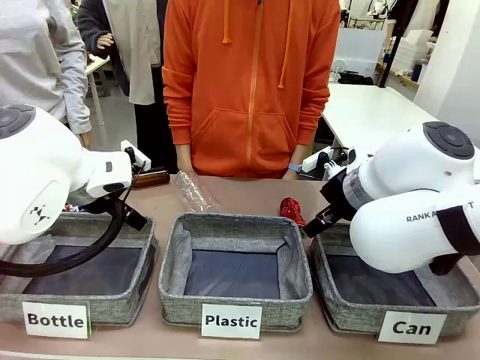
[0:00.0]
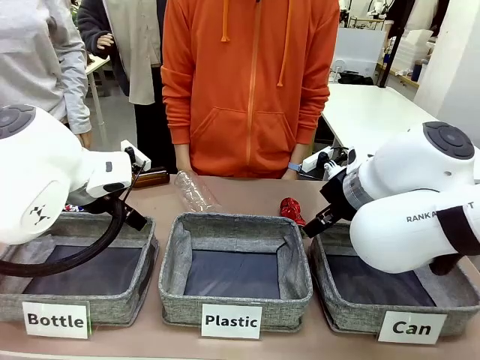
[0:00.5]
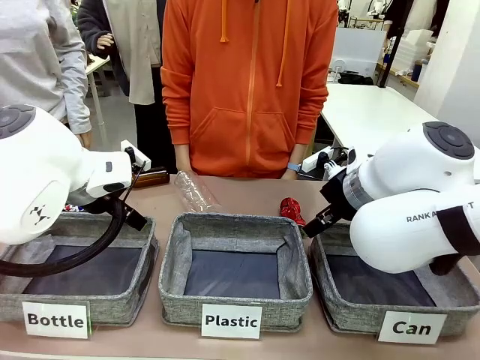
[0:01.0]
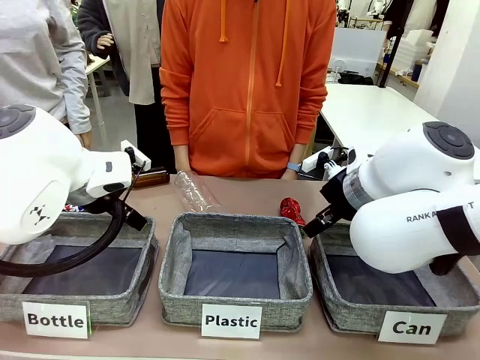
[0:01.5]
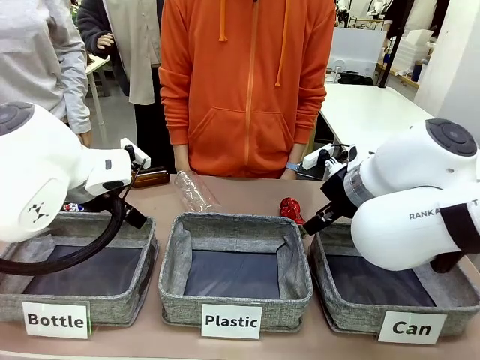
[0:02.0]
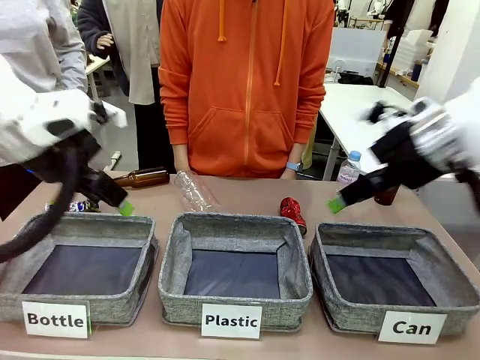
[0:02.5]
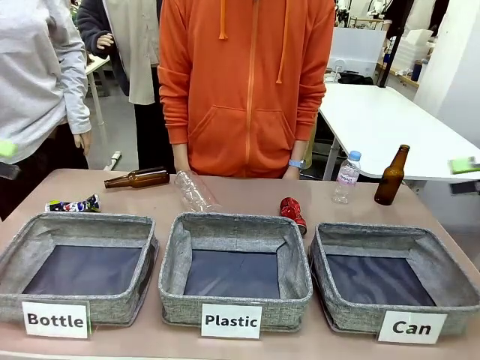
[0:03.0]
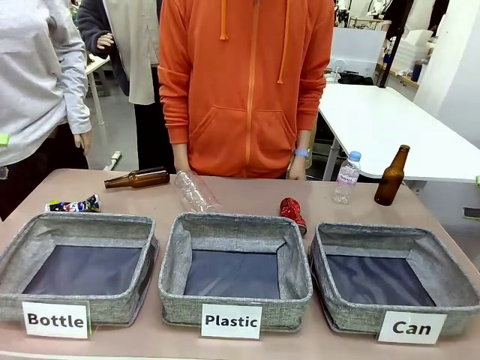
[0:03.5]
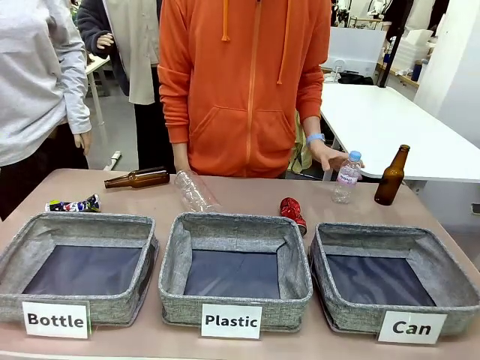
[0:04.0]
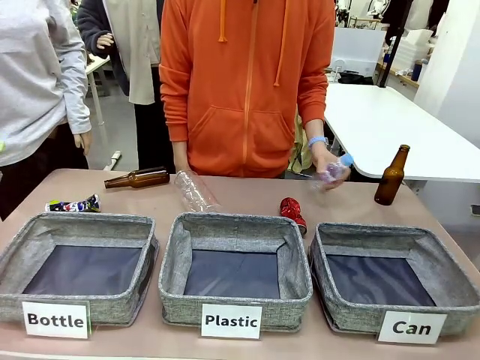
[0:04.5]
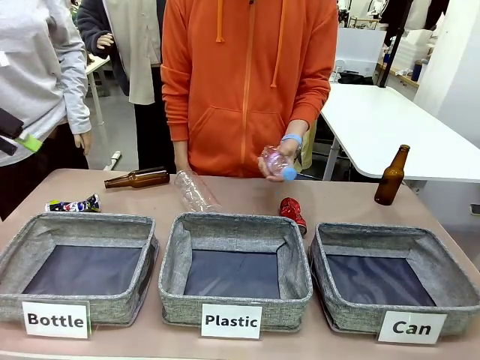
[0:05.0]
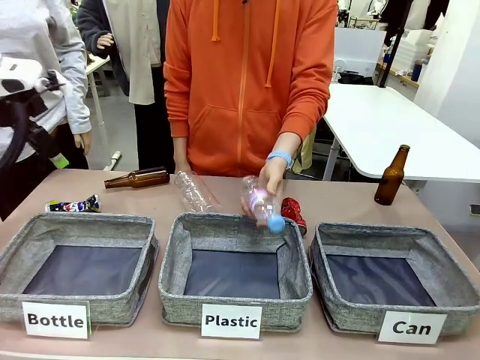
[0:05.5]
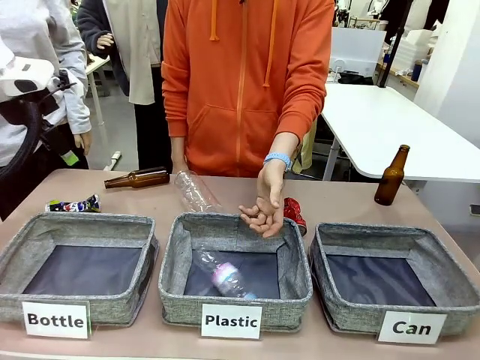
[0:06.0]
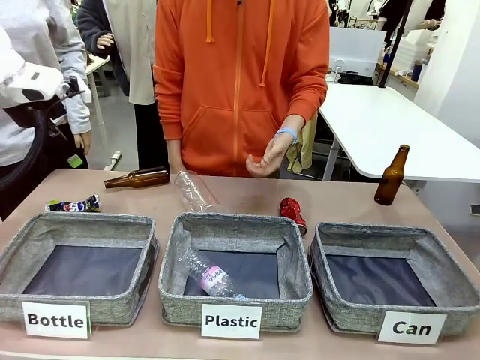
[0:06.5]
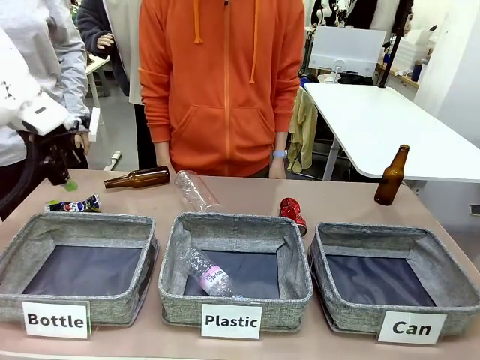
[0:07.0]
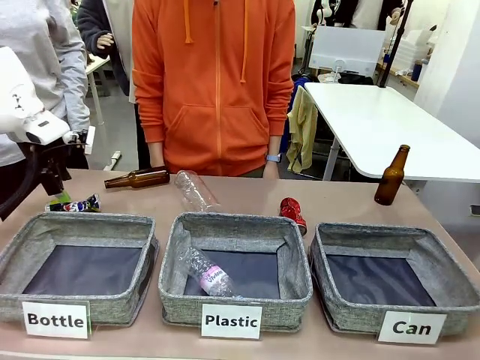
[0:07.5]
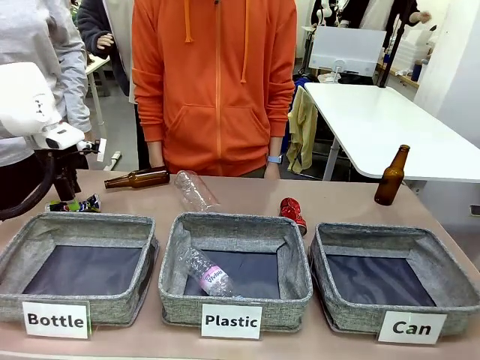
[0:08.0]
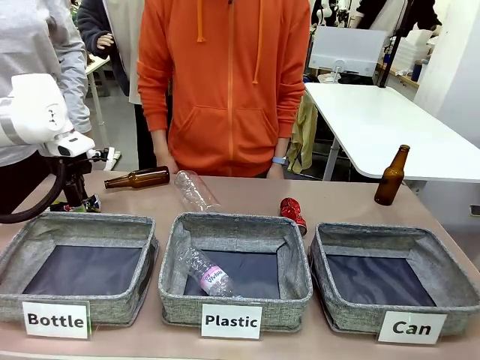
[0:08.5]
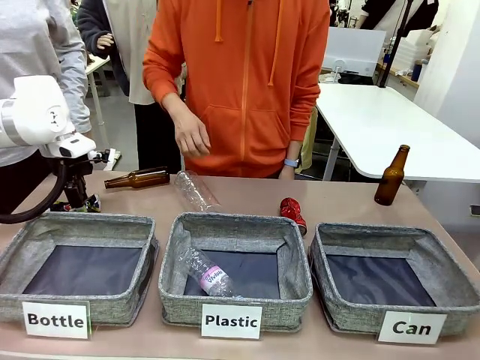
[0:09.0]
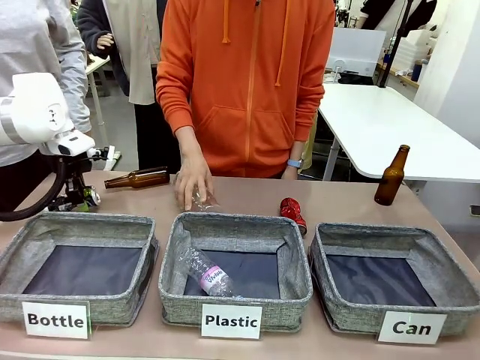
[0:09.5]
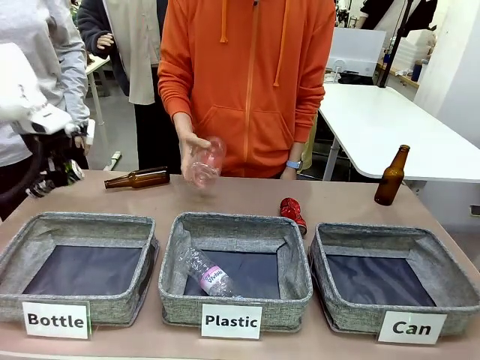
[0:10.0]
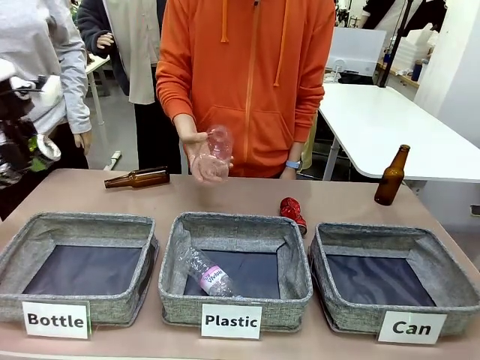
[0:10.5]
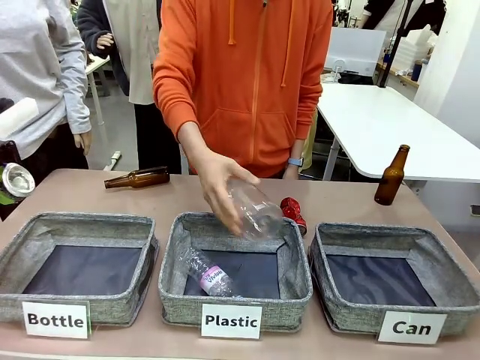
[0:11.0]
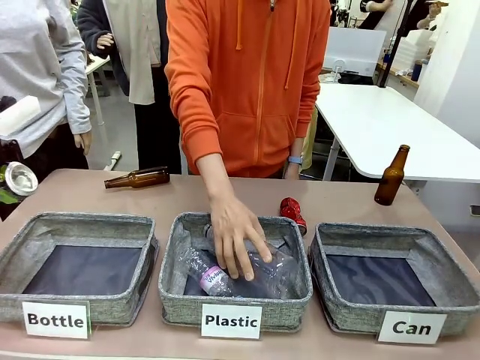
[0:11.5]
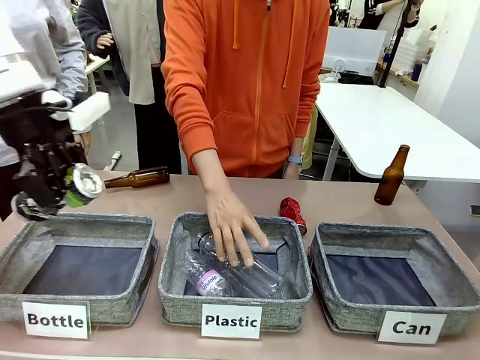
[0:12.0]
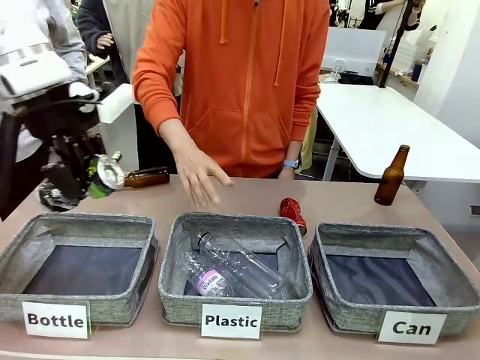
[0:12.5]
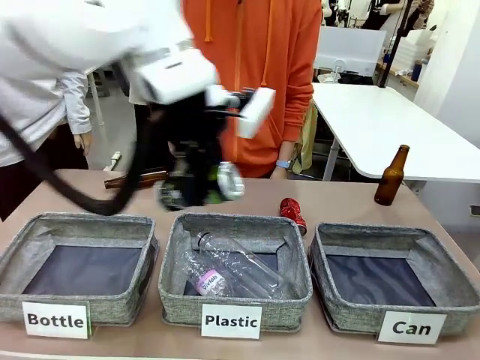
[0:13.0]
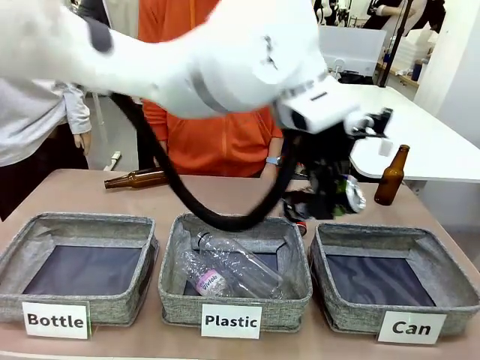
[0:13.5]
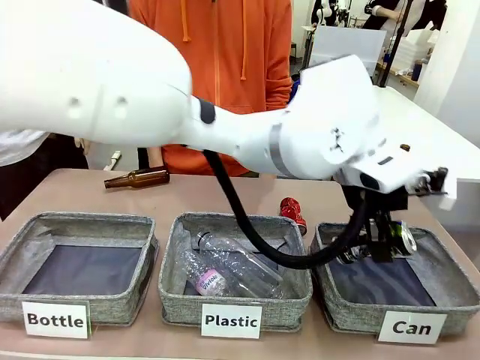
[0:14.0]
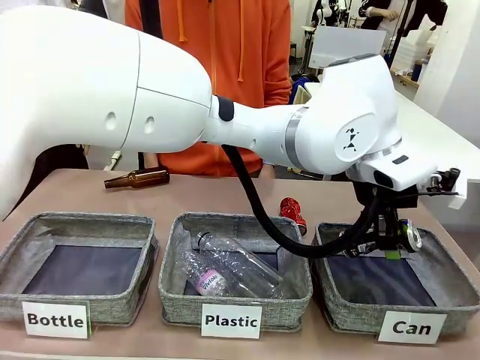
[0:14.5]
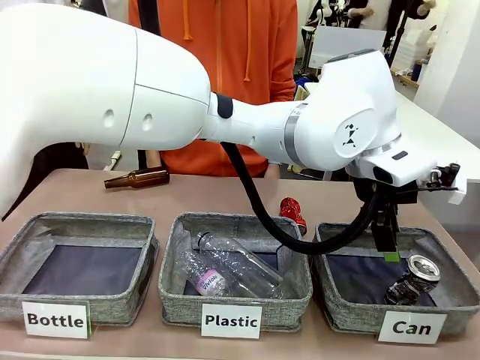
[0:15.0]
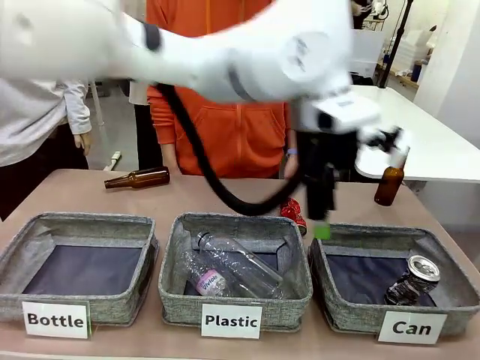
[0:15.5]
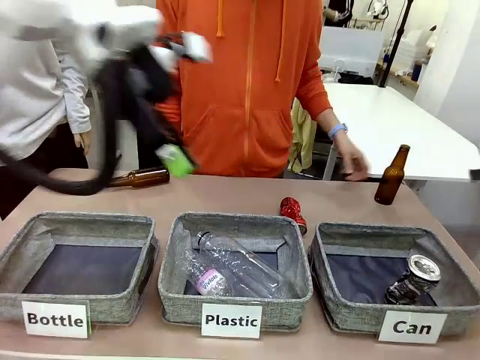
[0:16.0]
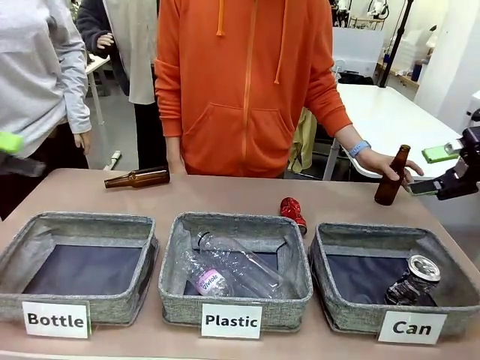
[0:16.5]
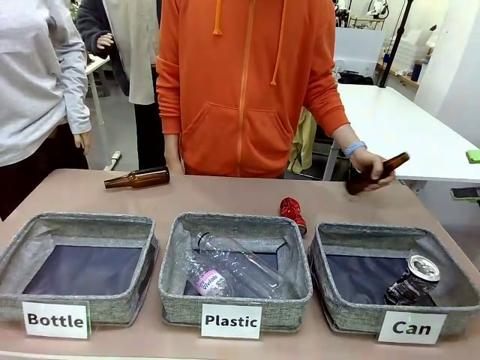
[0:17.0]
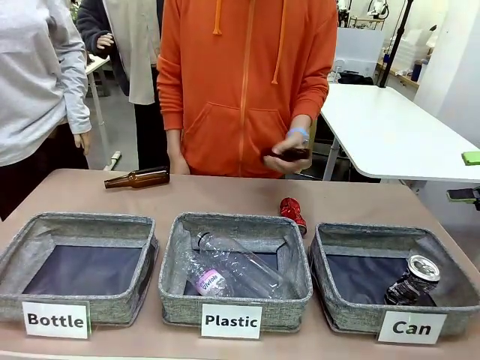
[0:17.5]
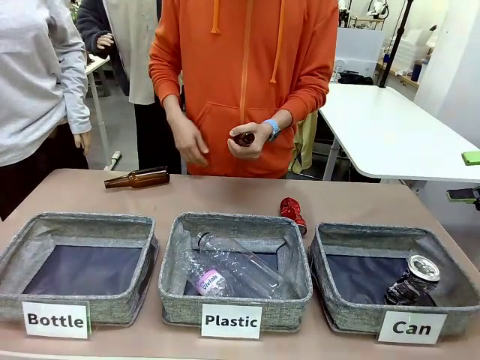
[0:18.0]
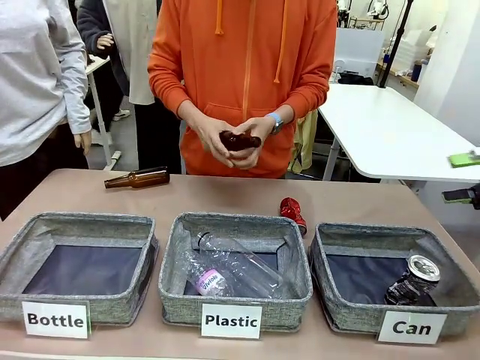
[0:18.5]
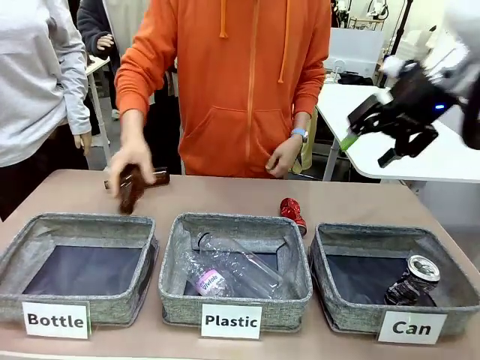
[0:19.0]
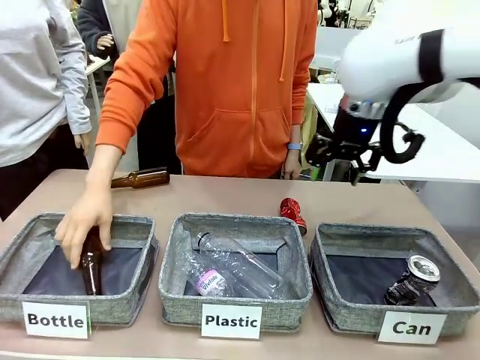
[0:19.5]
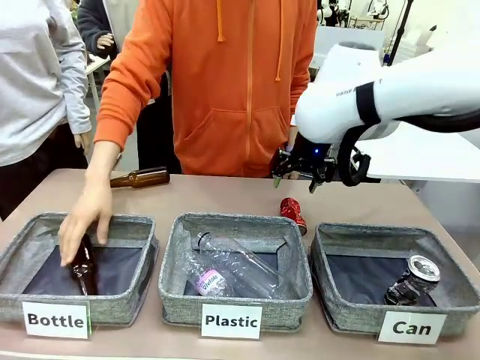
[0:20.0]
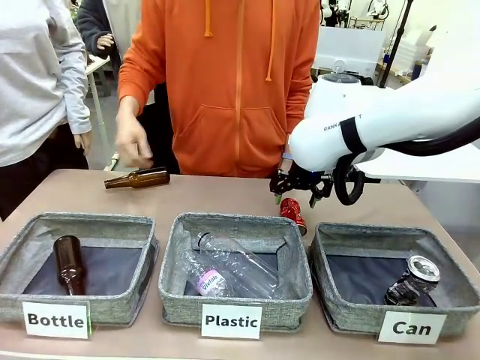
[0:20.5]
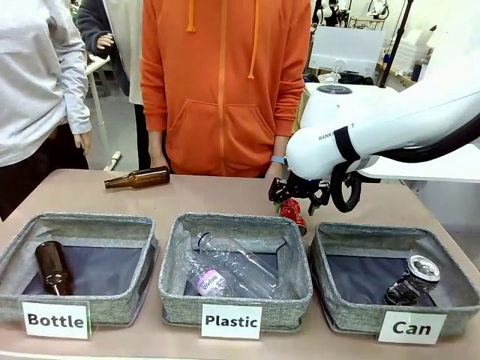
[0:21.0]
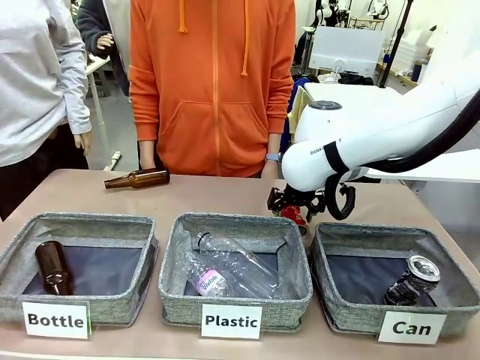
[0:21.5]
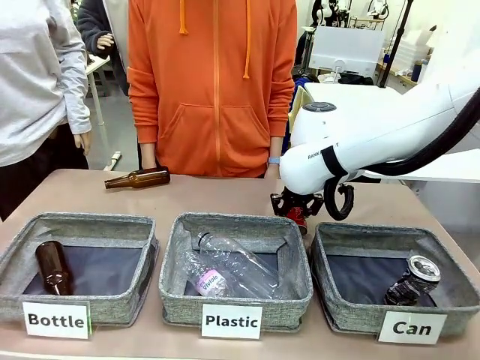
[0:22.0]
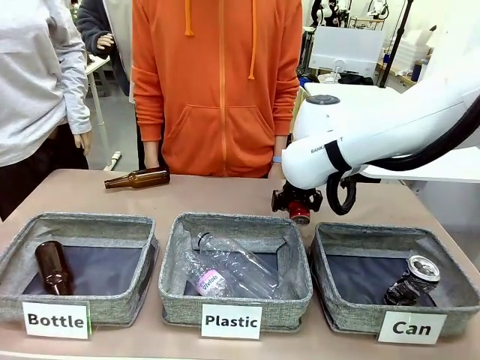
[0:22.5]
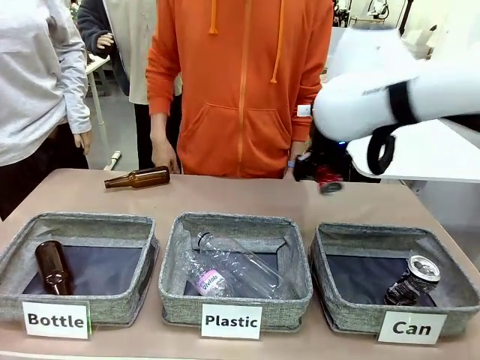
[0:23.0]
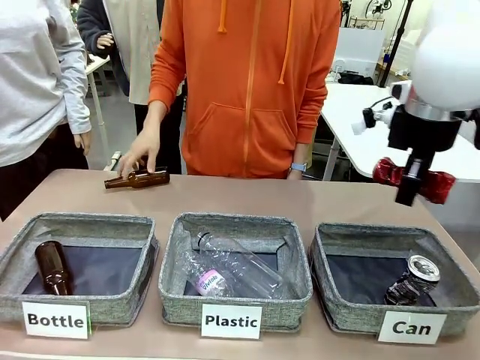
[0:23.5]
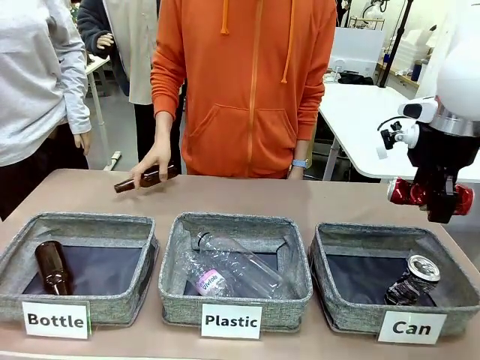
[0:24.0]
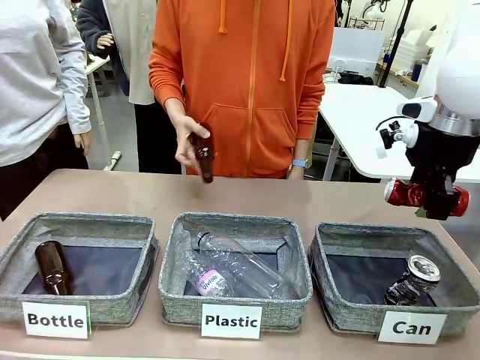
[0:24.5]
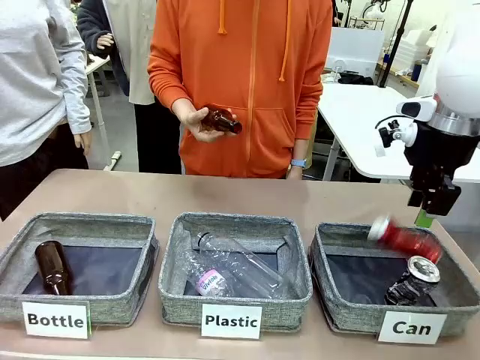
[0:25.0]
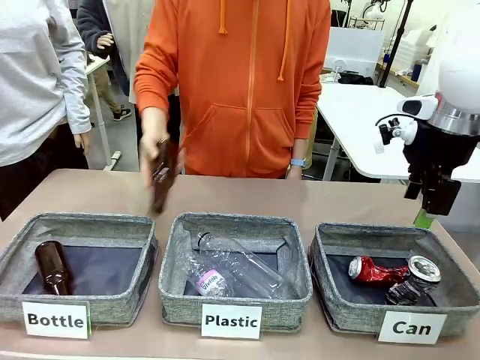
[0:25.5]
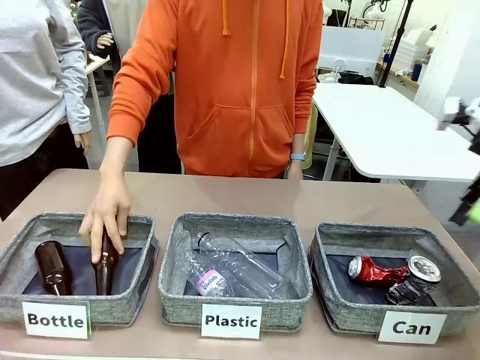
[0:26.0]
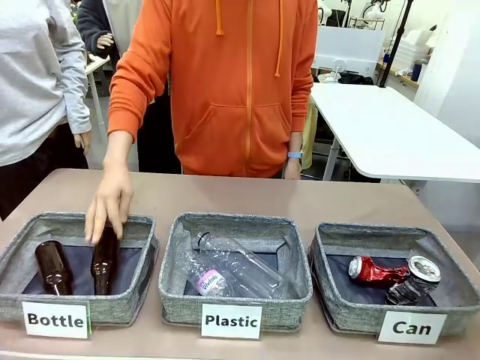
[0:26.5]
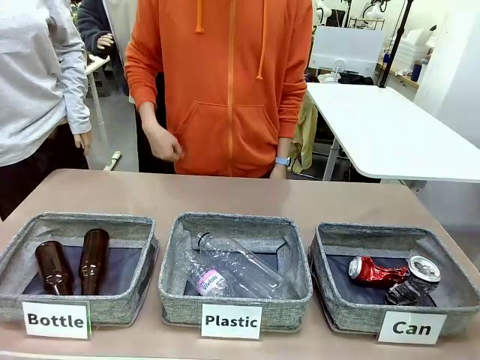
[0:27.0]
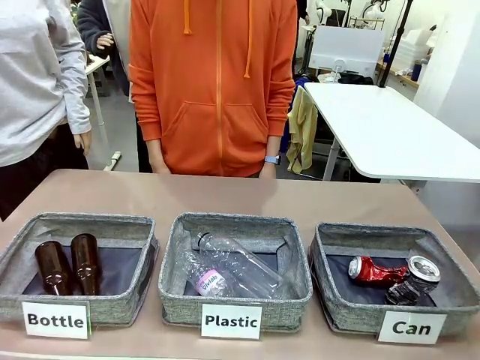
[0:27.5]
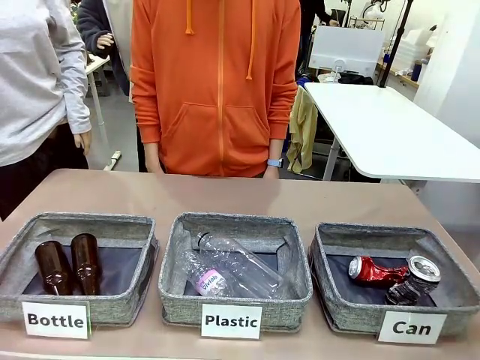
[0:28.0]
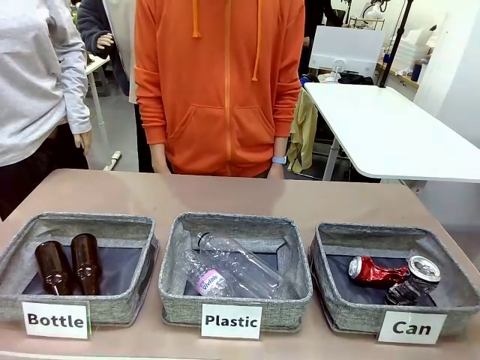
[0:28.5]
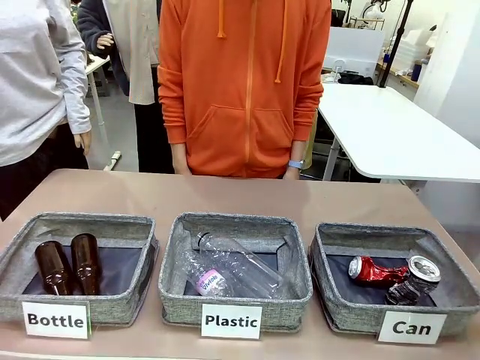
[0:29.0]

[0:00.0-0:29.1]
Task: Sort the can waste into the basket.
Robot: Pick up the can waste from the table and place it in the right Fabric basket.
Person: The human picks up one piece of trash that is not a can and places the trash into the appropriate organizing basket.
